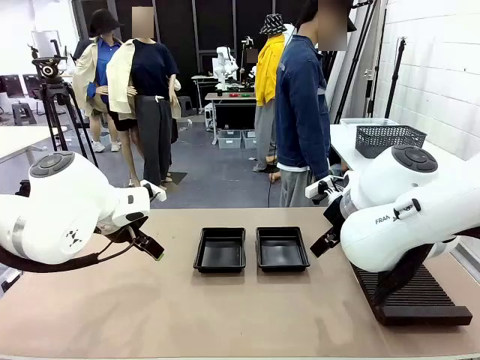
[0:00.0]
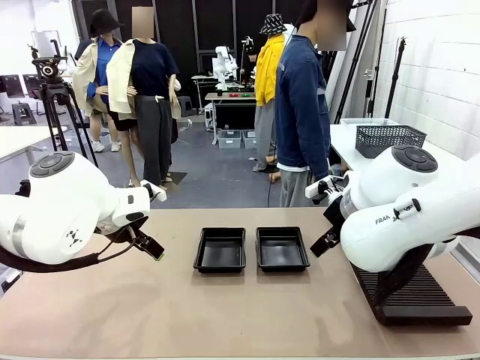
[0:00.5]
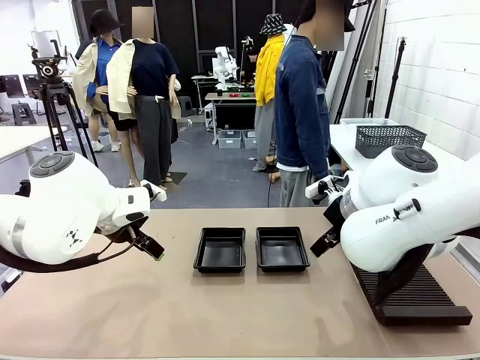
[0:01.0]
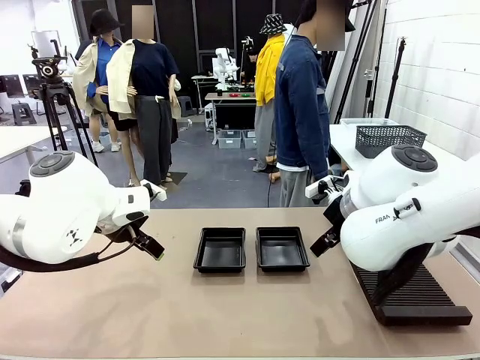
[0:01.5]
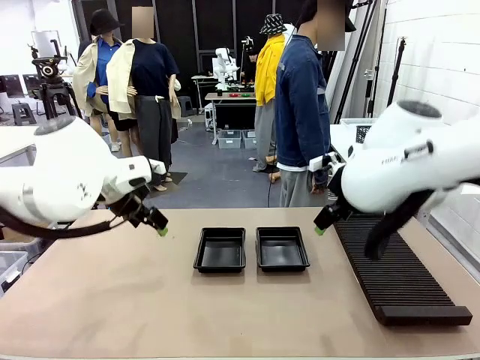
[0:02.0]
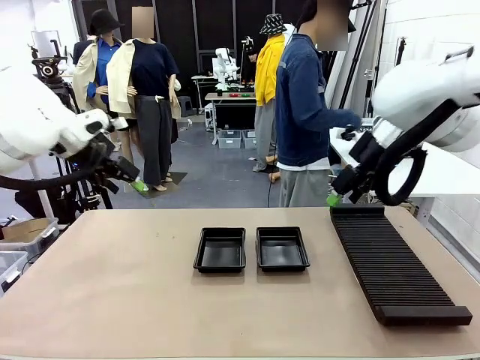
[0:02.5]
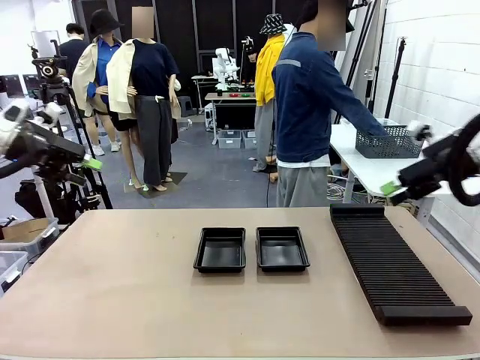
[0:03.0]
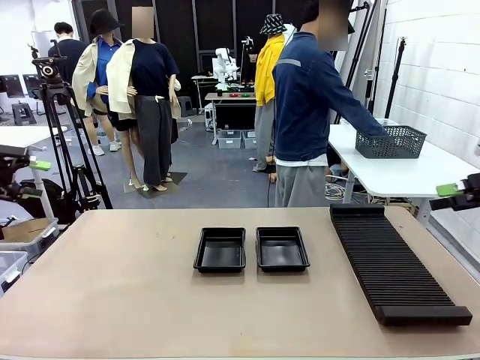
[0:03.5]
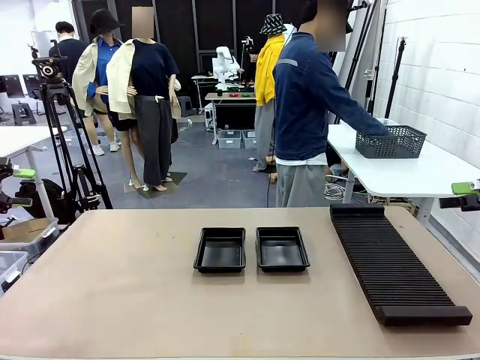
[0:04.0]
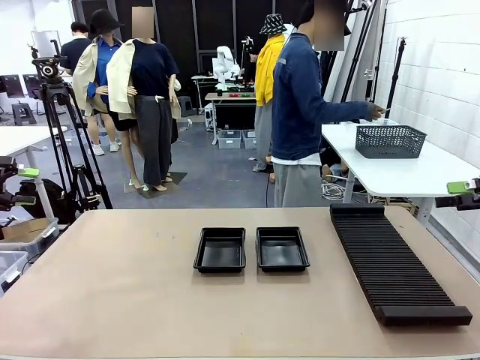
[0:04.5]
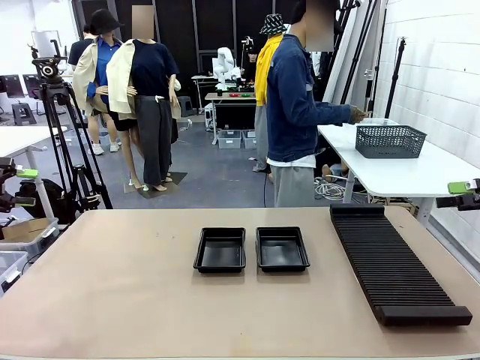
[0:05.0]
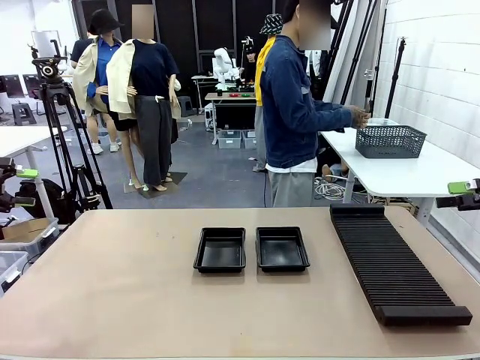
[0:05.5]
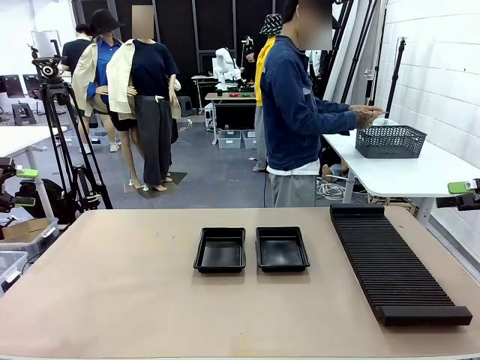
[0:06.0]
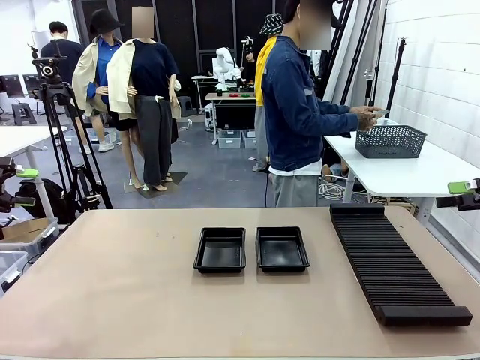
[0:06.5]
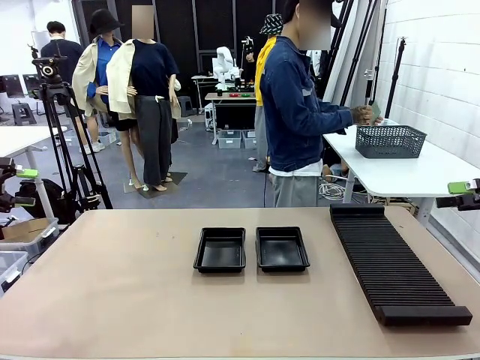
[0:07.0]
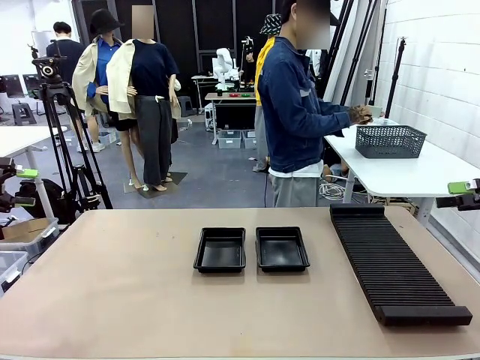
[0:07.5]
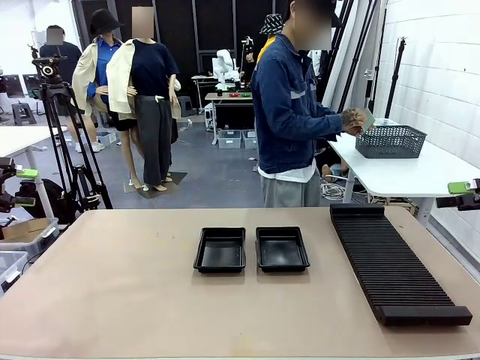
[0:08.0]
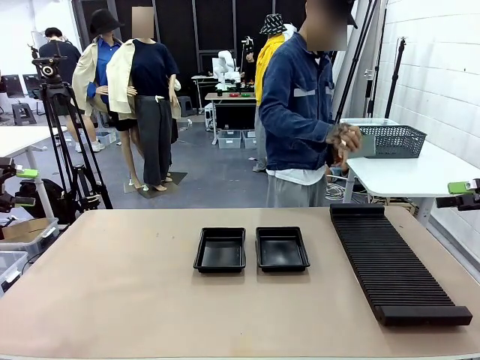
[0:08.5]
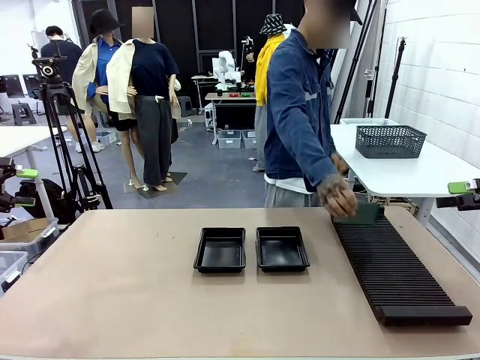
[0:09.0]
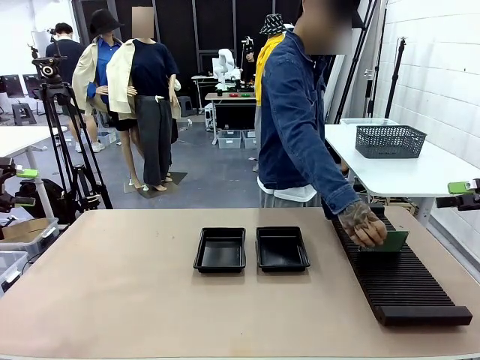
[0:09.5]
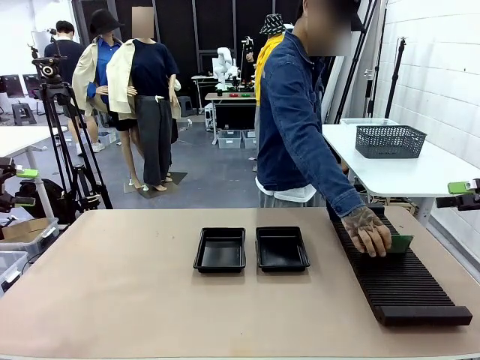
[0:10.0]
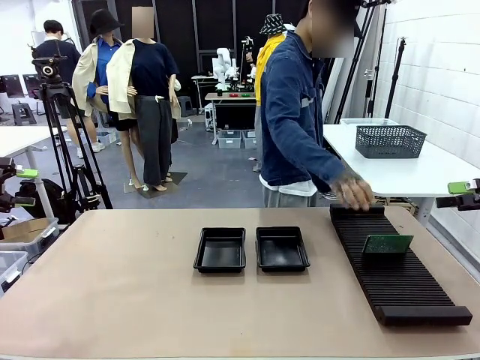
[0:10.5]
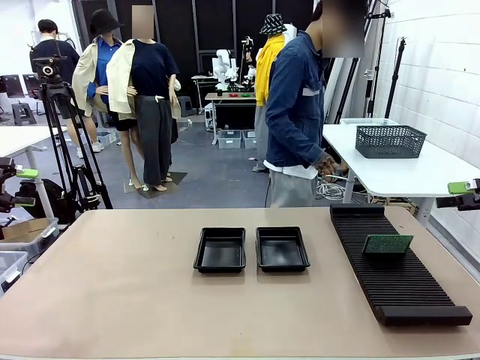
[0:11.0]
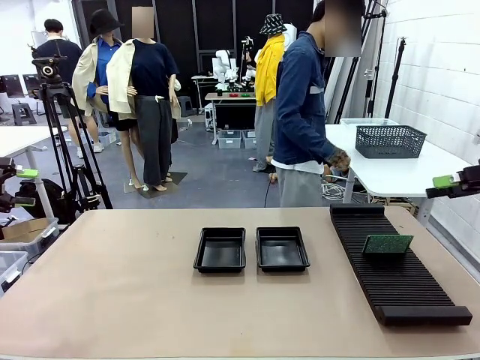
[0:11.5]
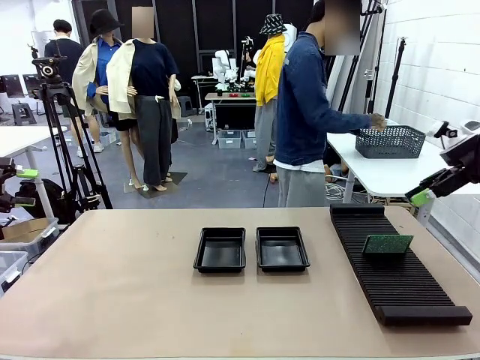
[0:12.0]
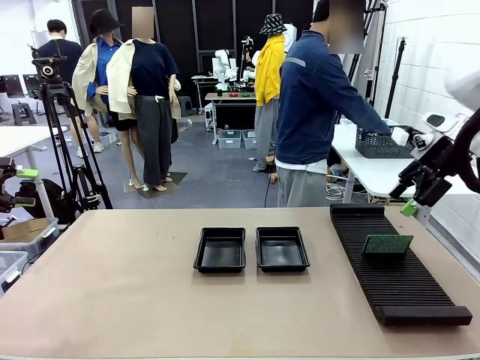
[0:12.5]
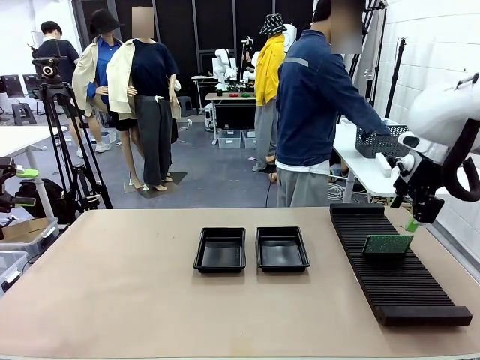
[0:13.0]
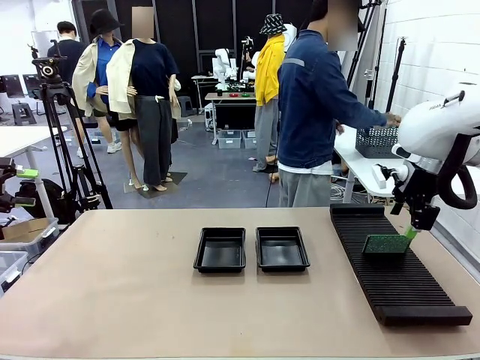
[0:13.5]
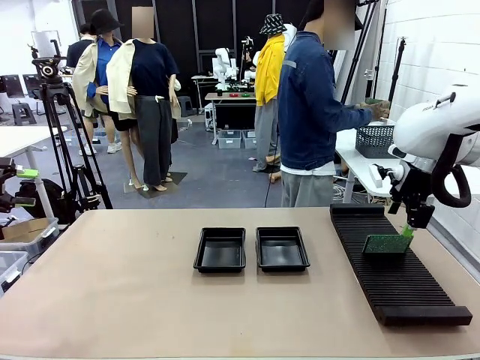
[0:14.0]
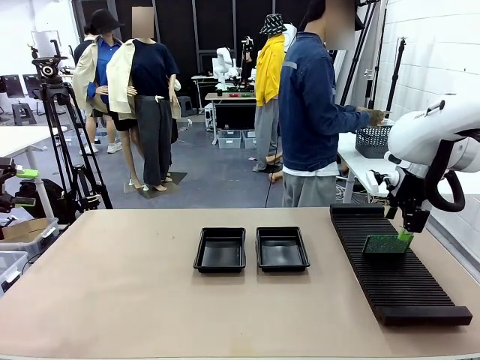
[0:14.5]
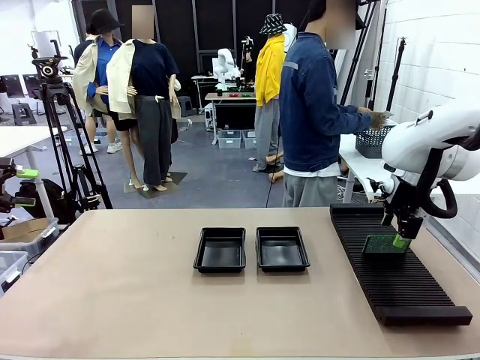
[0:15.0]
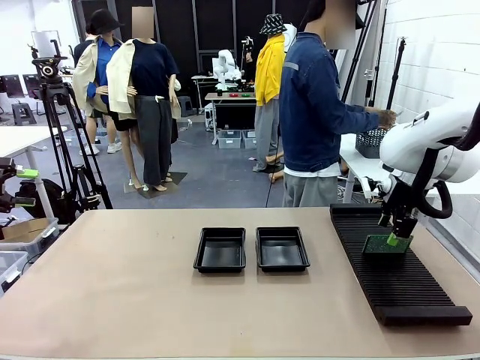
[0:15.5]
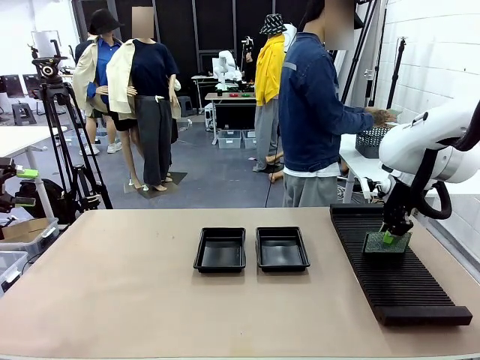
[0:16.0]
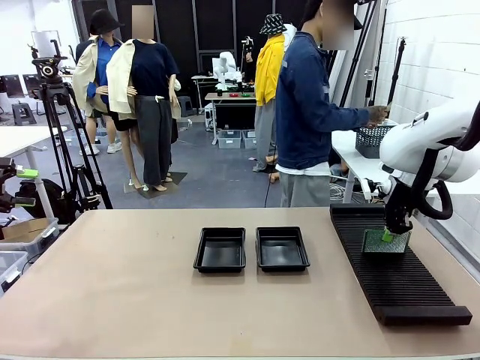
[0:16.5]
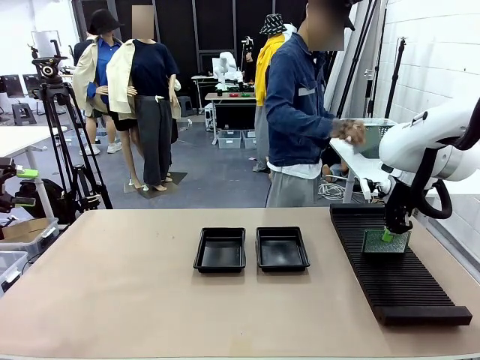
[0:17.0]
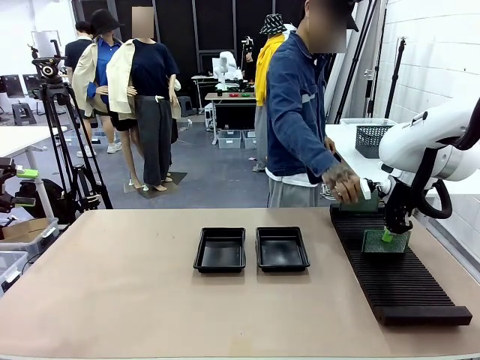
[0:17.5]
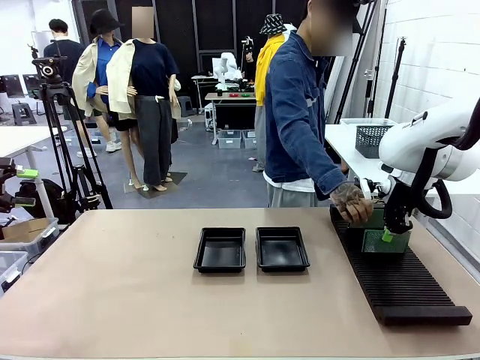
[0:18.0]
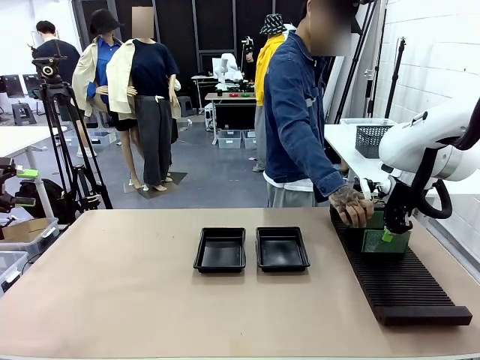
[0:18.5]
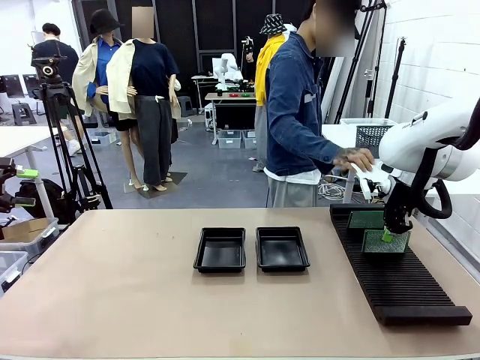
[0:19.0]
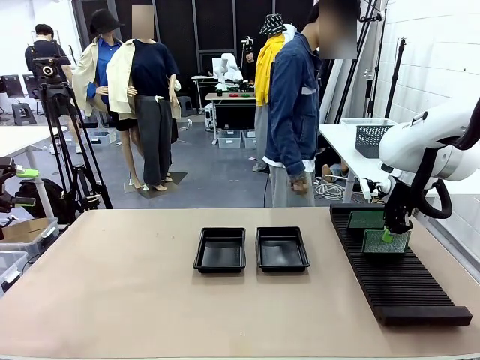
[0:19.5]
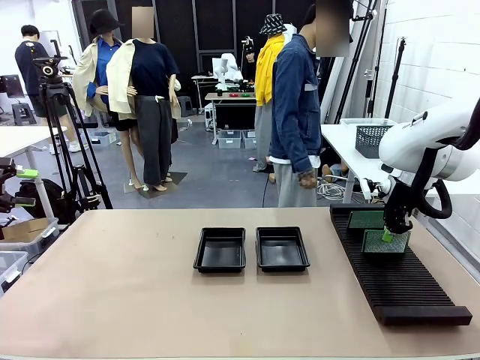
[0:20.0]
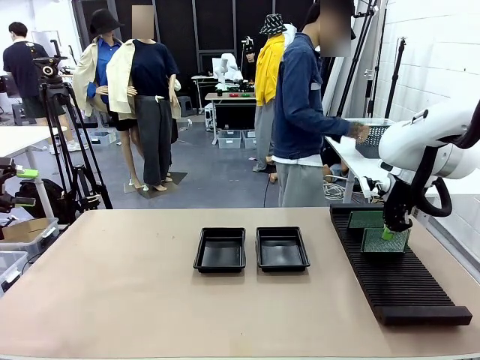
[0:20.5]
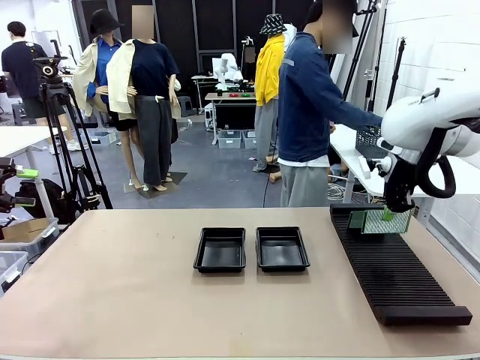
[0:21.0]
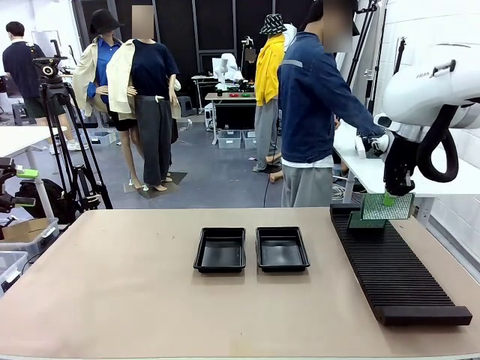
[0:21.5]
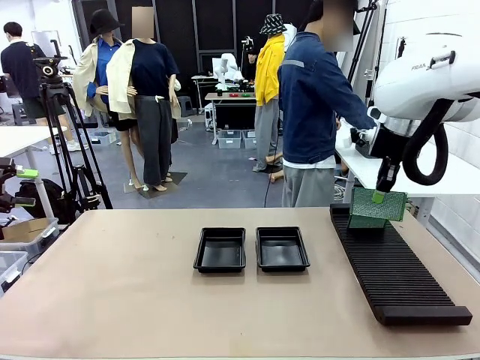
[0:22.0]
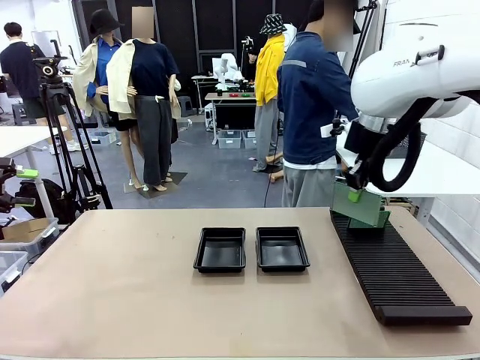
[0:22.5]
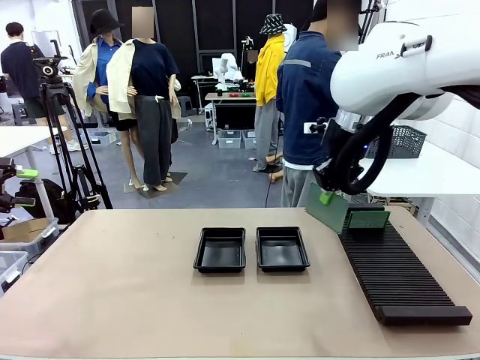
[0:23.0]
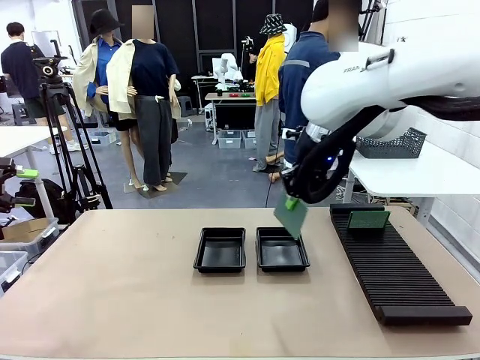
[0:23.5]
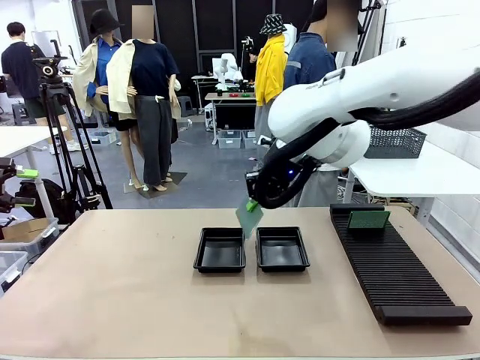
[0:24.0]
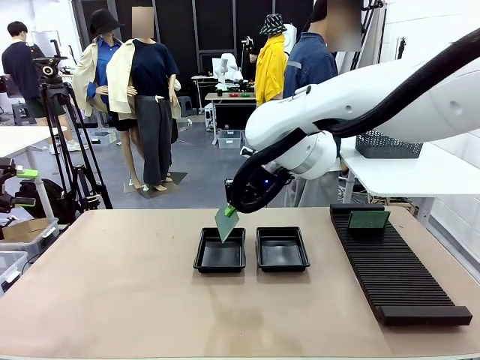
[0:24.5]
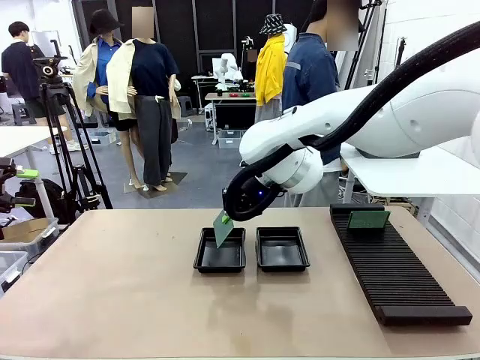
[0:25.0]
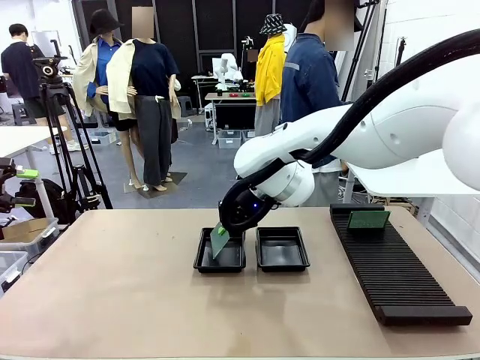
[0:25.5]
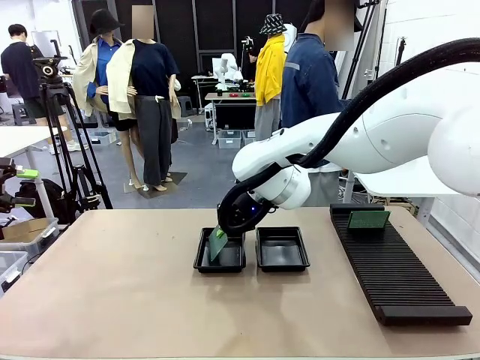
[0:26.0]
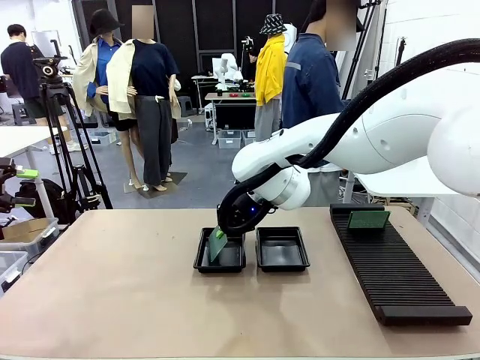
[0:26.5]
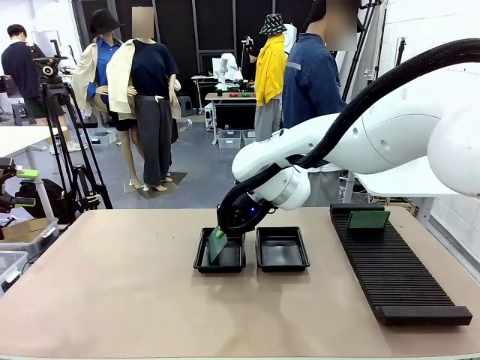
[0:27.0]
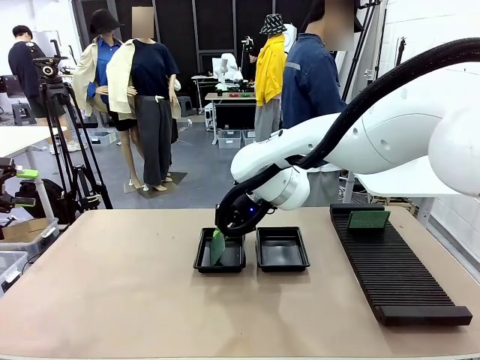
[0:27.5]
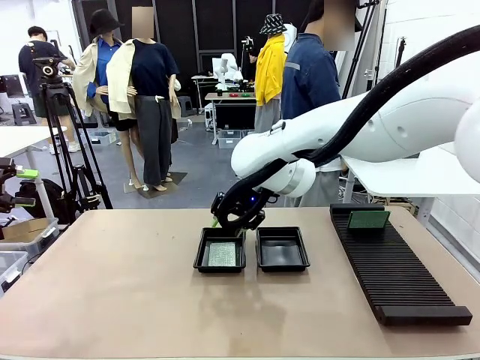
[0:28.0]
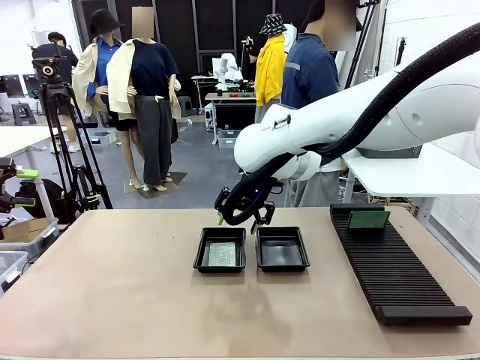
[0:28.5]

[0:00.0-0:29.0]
Task: Inspect and transfer BCBs to ESD trays.
Robot: Pick up the Blank PCB from the PCB Rack and place it in the left ESD tray.
